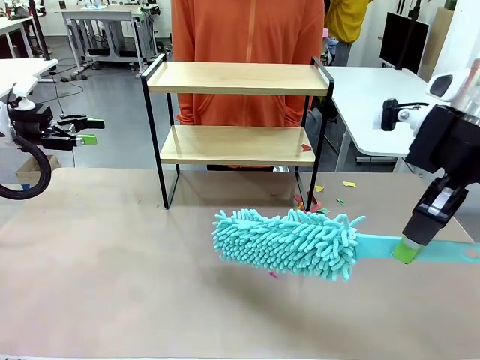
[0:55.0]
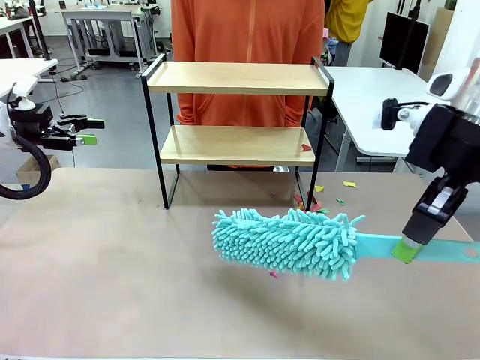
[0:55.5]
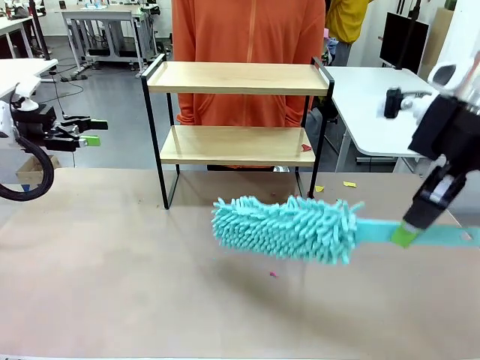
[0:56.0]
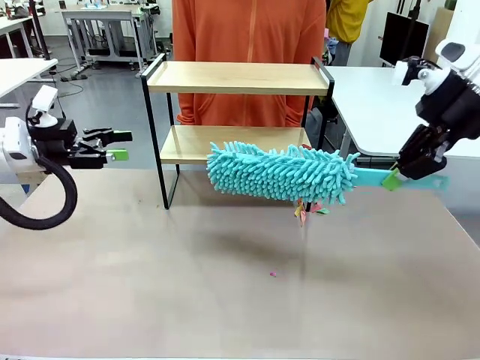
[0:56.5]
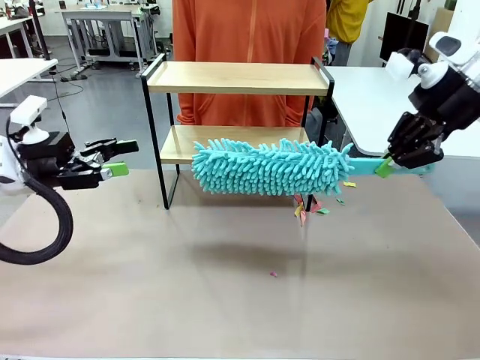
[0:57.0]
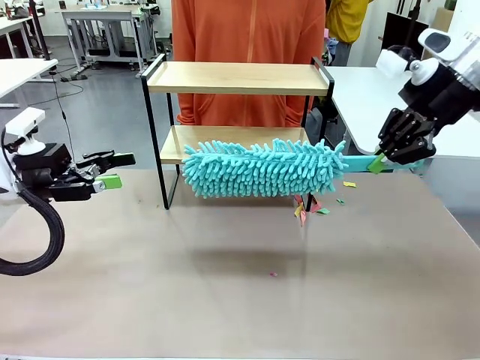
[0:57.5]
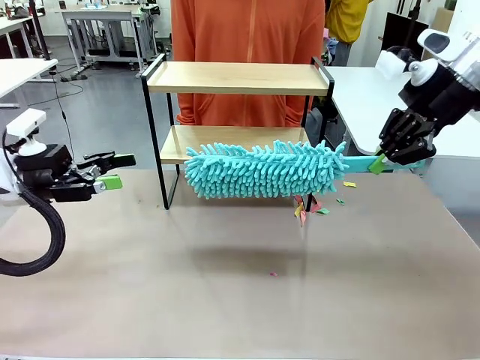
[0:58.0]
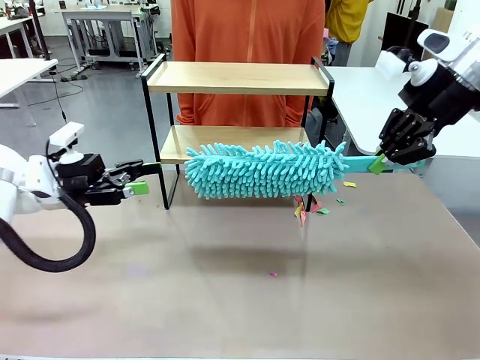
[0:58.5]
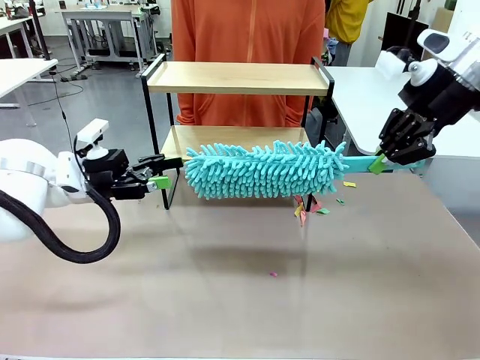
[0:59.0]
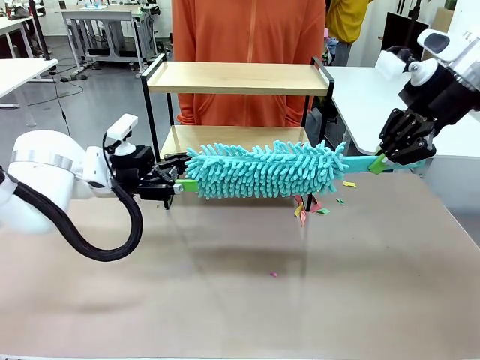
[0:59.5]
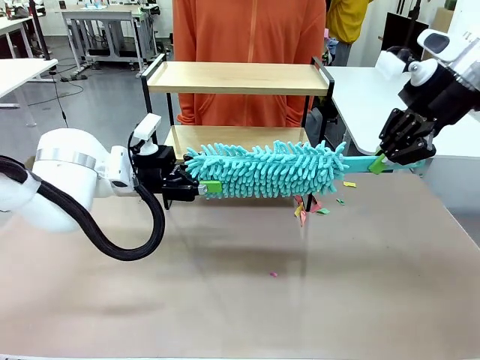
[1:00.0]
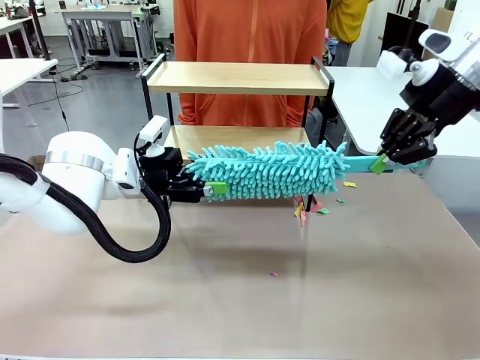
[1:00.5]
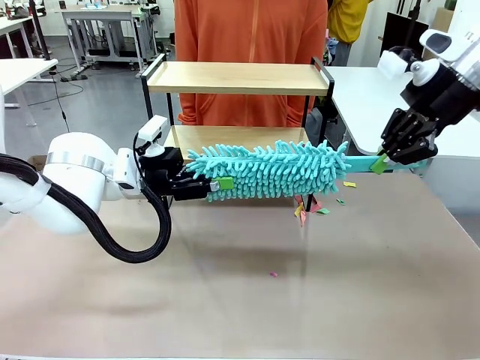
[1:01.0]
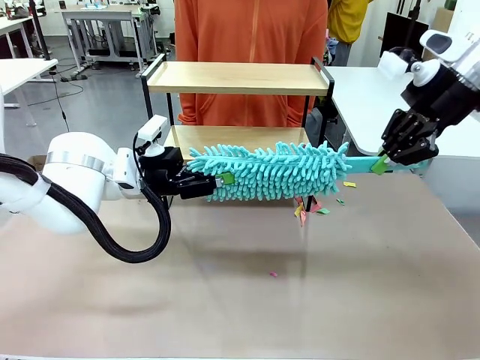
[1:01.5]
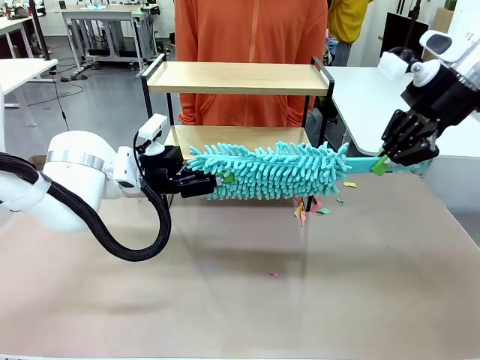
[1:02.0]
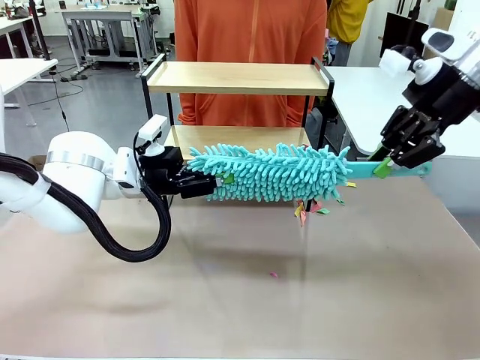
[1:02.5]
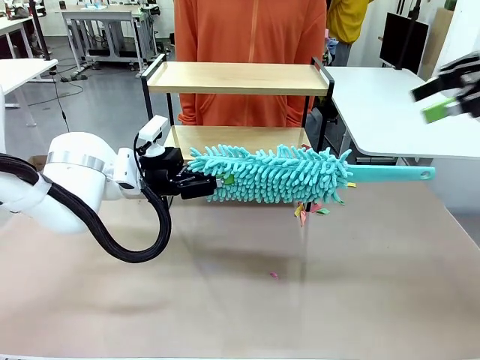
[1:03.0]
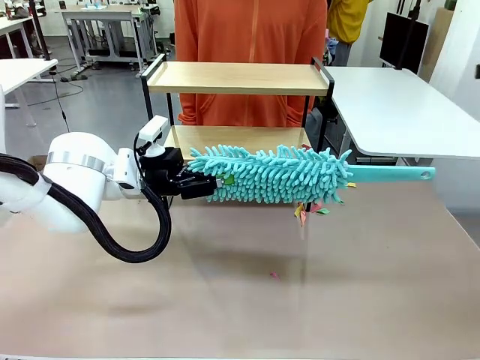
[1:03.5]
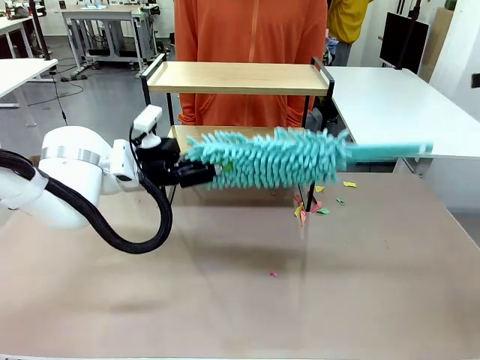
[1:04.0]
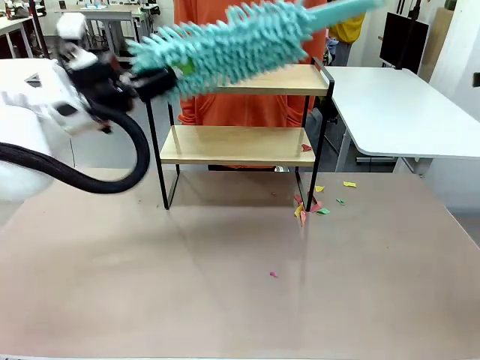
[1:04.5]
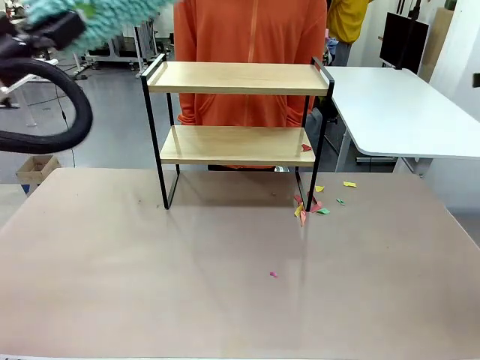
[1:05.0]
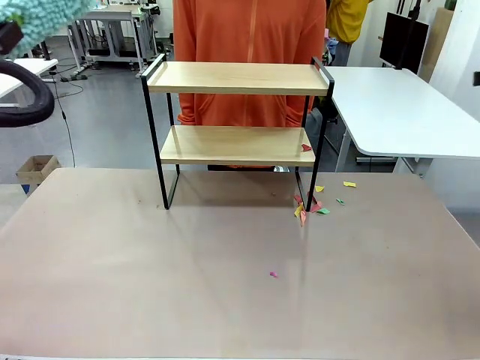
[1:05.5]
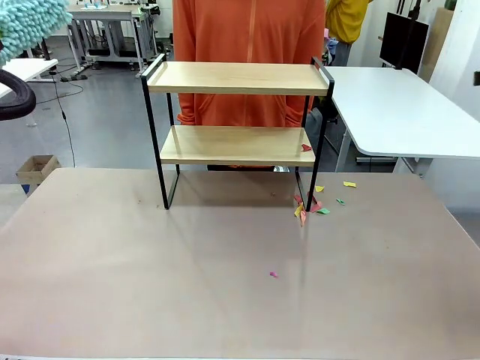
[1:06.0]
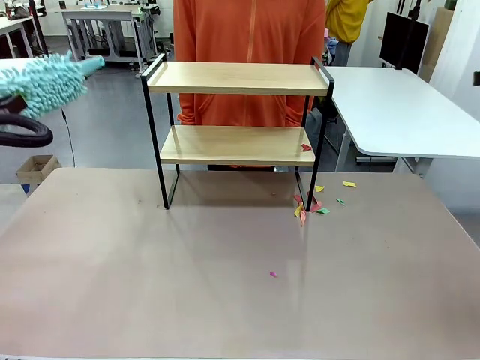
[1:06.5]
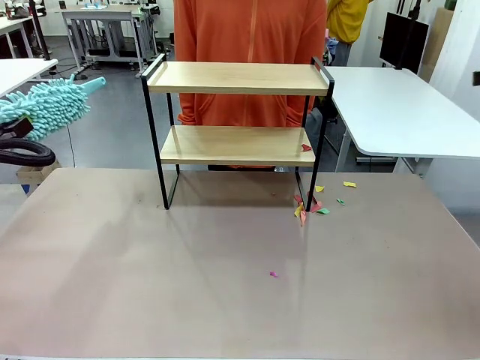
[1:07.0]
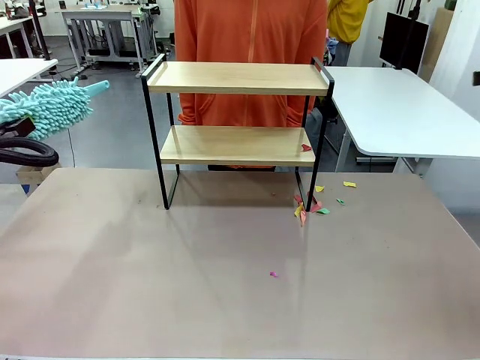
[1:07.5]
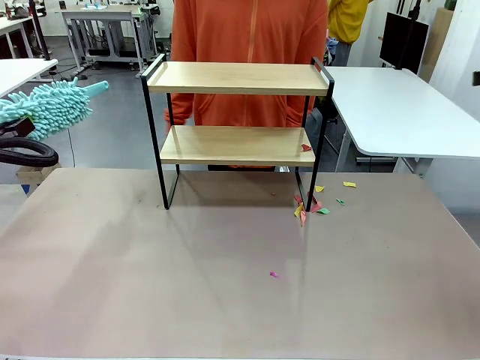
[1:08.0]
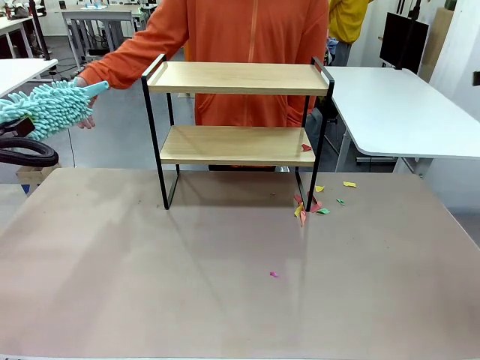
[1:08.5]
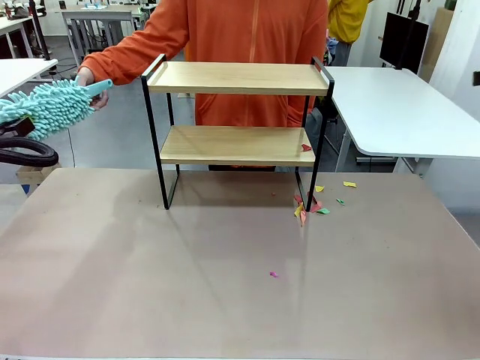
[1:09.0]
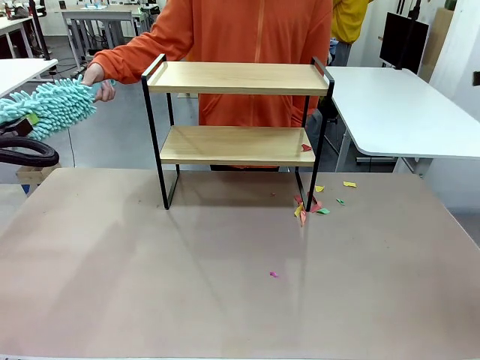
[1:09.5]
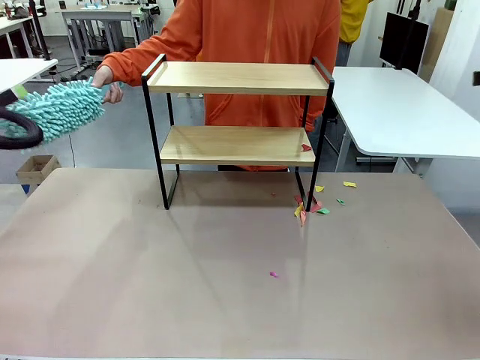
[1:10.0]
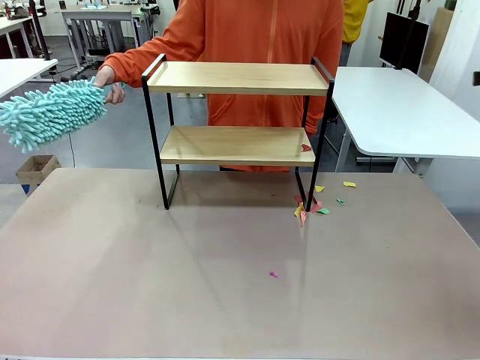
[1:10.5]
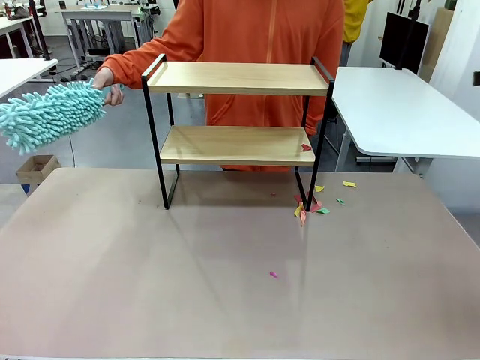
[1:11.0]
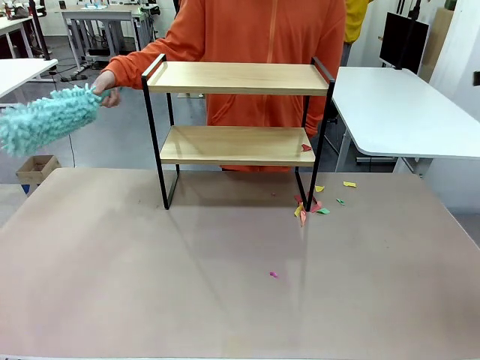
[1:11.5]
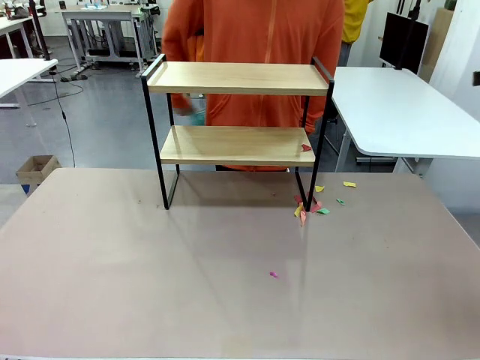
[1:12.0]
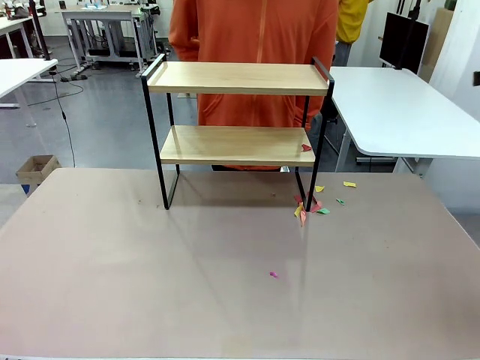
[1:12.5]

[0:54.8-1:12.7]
Task: Clean the shelf.
Robot: Hand the Duster back to the human.
Person: Receive the Duster from the robot.

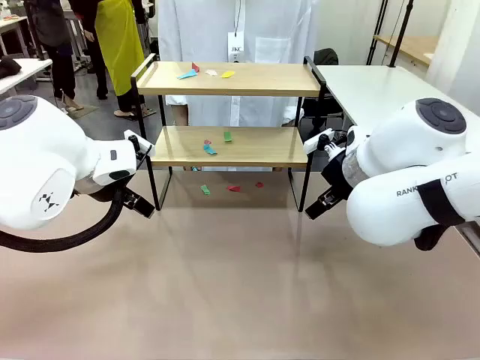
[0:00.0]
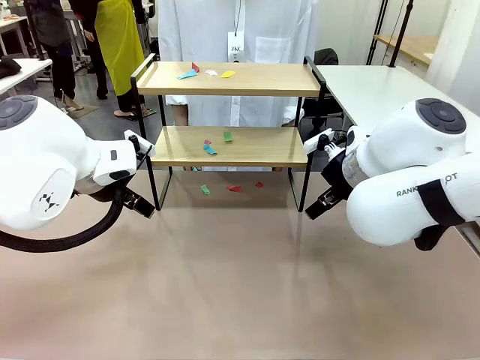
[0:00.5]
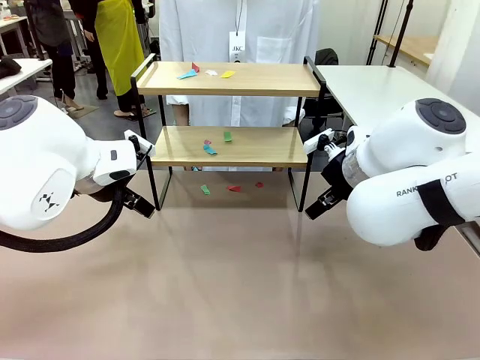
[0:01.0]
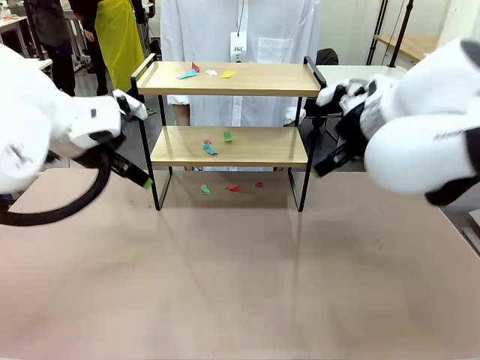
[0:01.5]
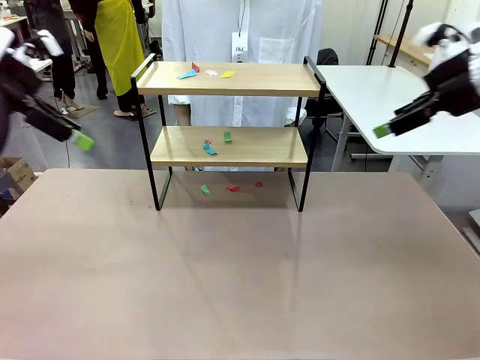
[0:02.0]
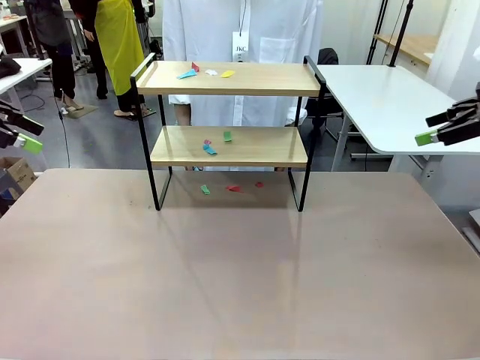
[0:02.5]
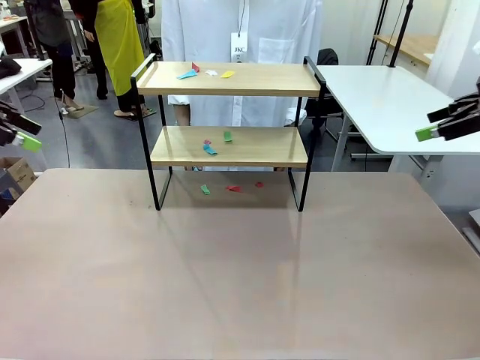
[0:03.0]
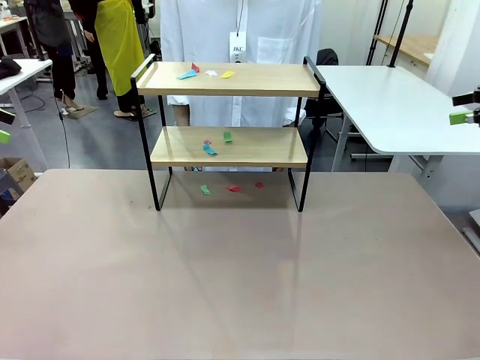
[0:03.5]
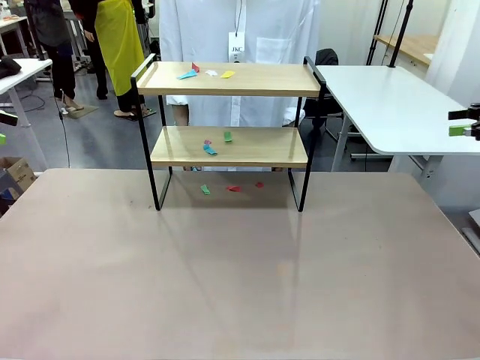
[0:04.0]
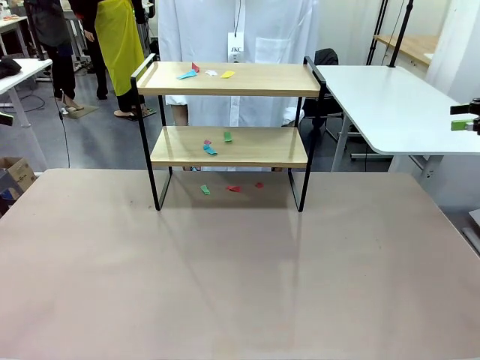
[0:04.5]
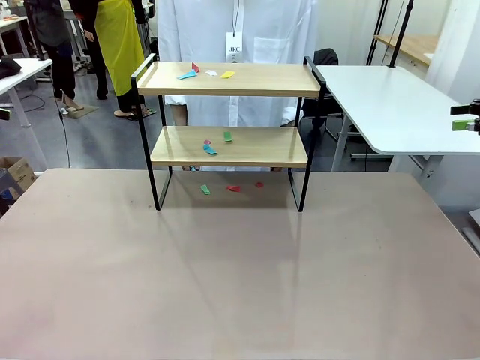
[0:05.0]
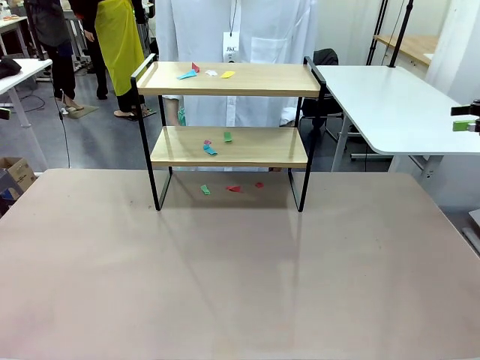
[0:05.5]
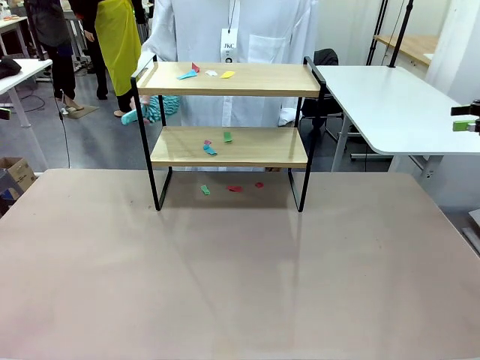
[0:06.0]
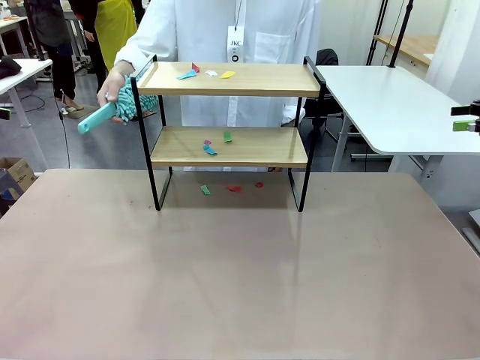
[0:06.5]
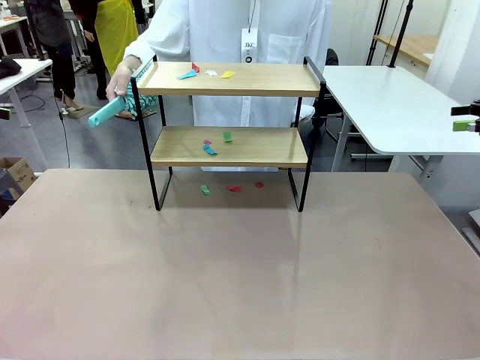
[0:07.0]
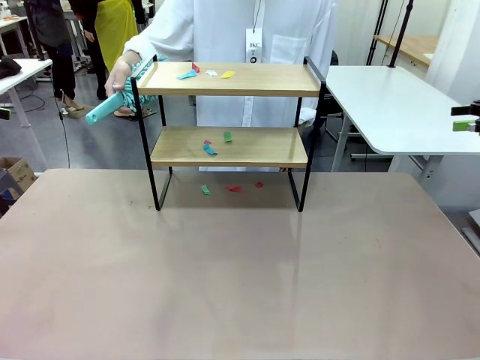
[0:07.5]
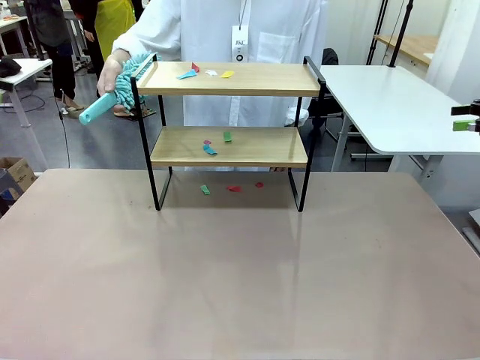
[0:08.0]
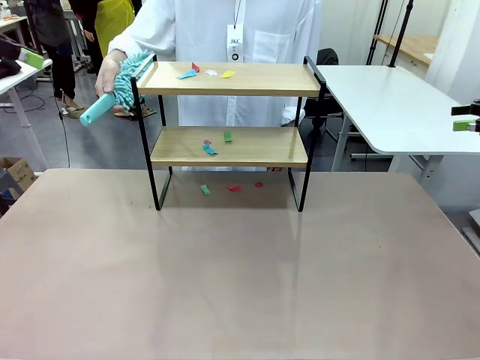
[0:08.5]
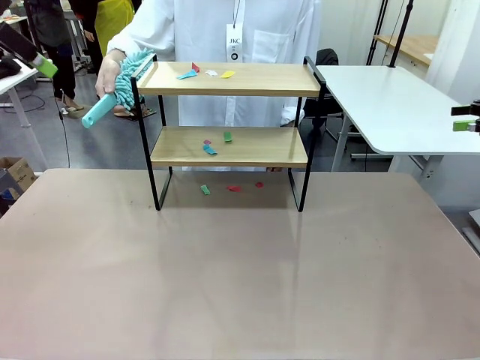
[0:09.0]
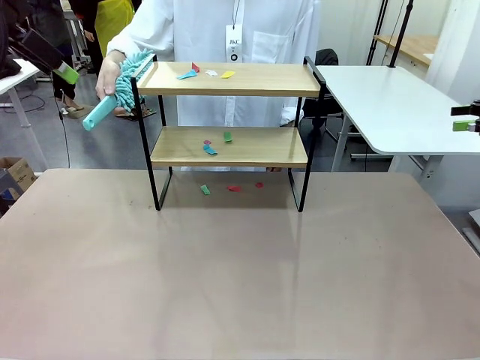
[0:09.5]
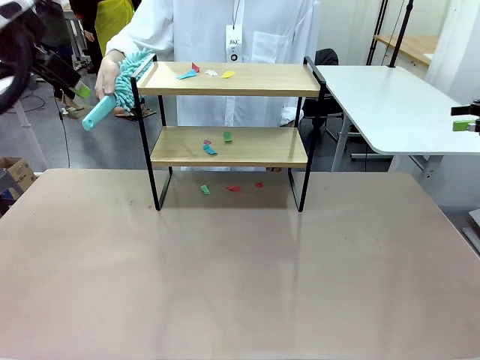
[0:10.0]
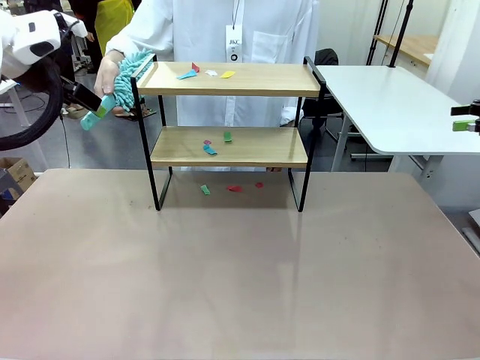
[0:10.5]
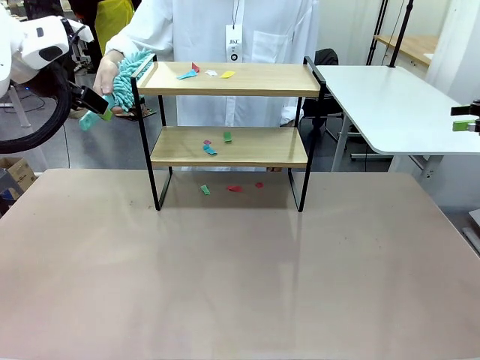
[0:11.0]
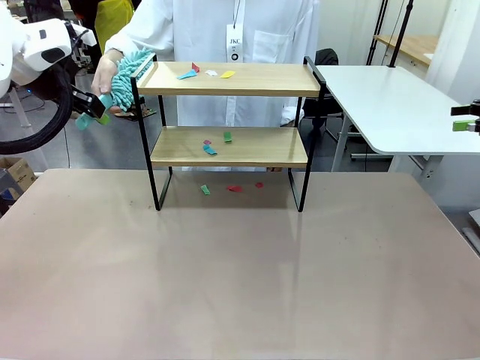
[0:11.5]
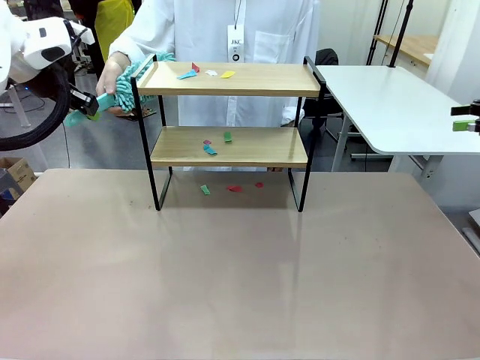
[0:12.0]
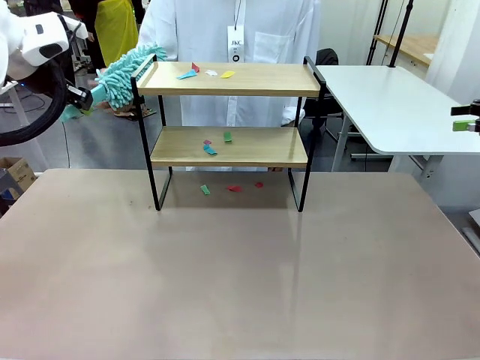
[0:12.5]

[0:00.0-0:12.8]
Task: Clean the shelf.
Robot: Pick up the Duster handed by the human.
Person: Hand the Duster to the robot.
